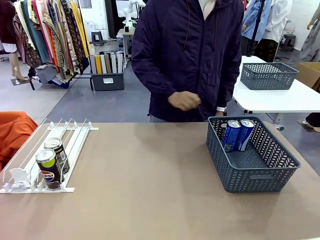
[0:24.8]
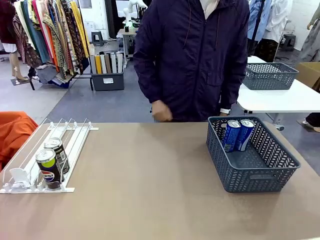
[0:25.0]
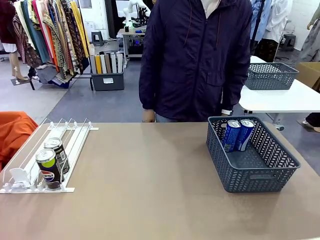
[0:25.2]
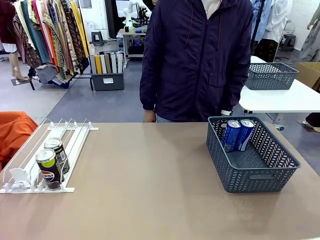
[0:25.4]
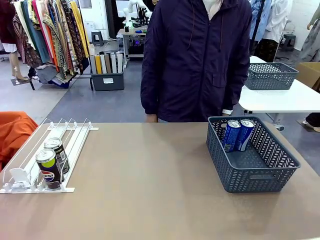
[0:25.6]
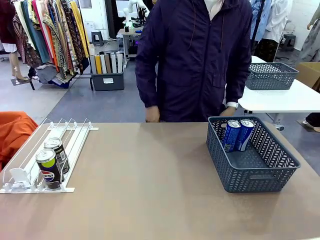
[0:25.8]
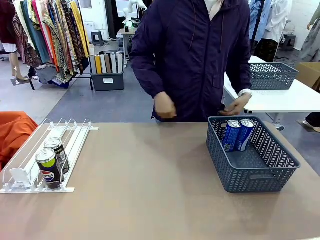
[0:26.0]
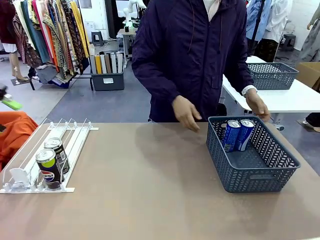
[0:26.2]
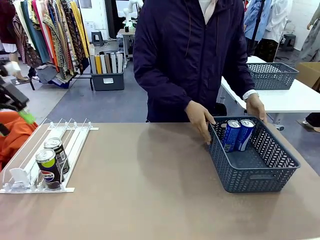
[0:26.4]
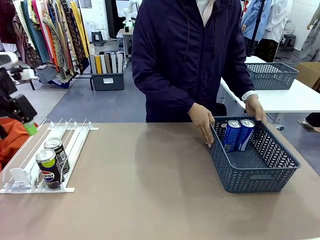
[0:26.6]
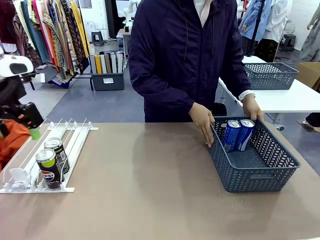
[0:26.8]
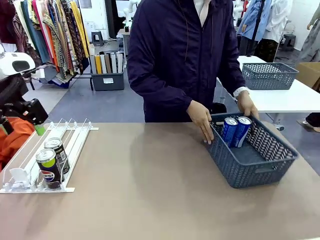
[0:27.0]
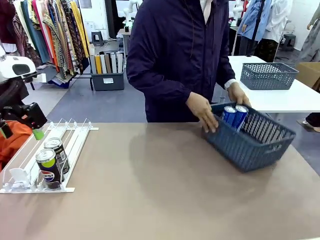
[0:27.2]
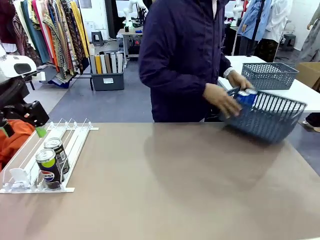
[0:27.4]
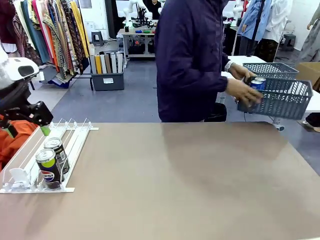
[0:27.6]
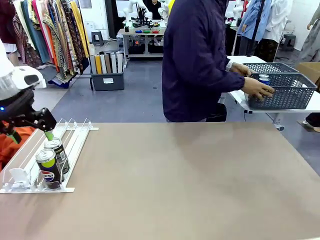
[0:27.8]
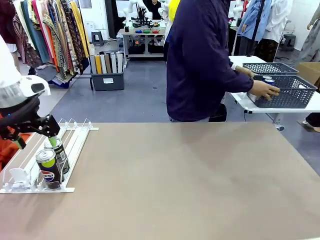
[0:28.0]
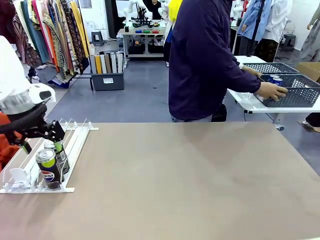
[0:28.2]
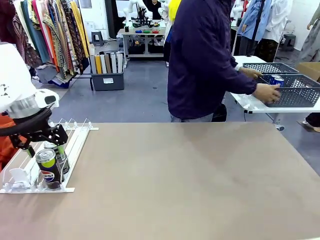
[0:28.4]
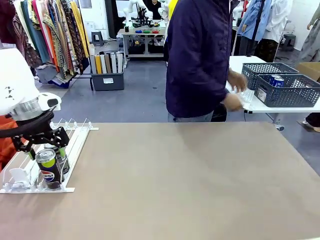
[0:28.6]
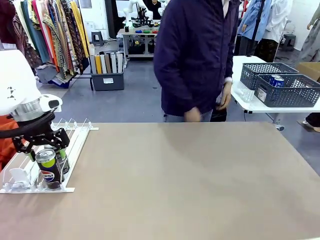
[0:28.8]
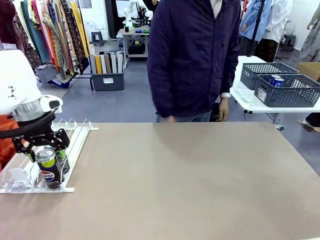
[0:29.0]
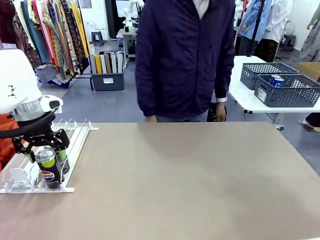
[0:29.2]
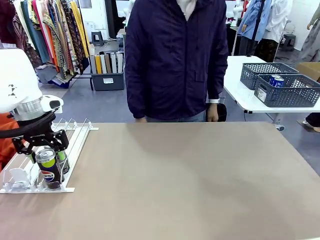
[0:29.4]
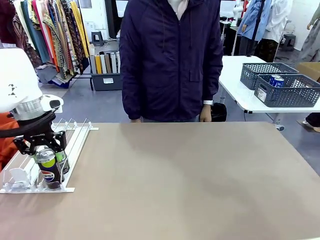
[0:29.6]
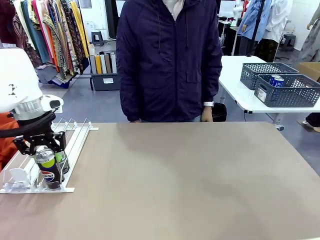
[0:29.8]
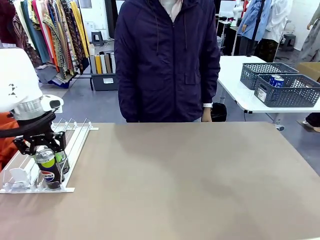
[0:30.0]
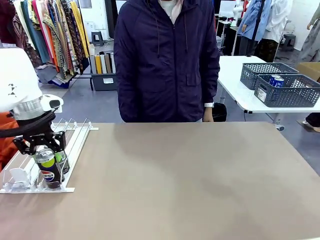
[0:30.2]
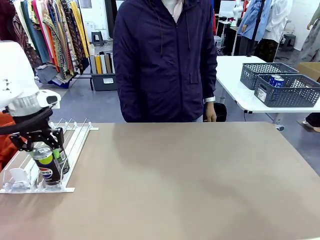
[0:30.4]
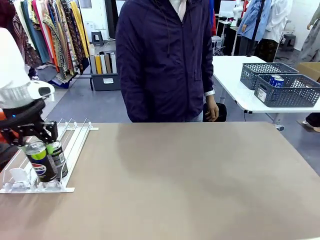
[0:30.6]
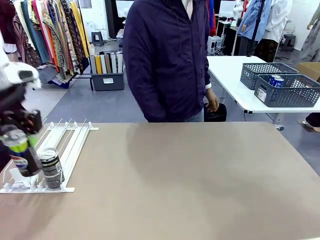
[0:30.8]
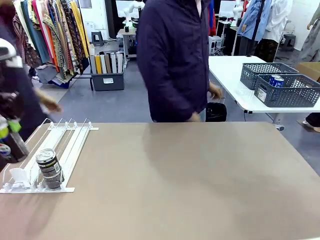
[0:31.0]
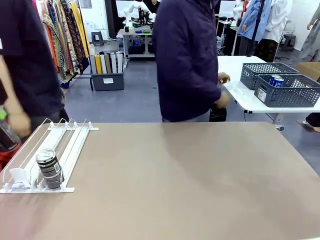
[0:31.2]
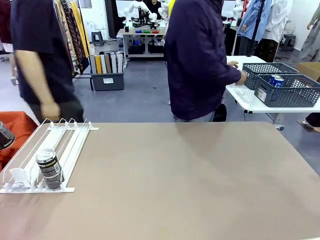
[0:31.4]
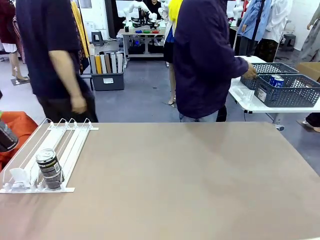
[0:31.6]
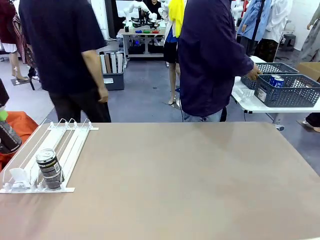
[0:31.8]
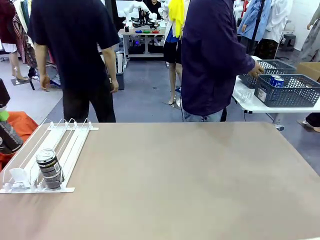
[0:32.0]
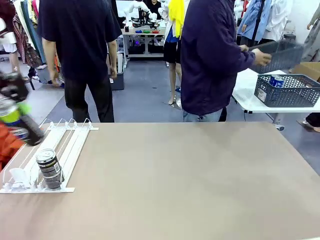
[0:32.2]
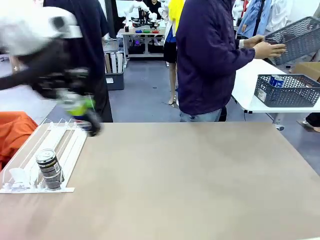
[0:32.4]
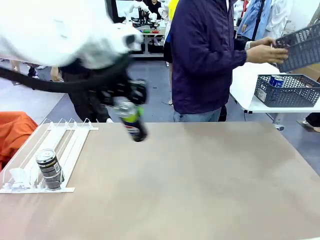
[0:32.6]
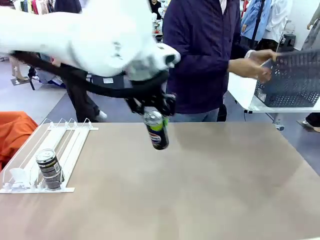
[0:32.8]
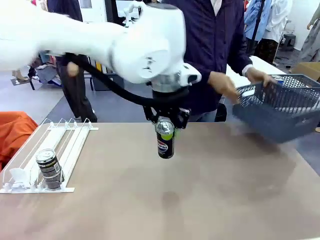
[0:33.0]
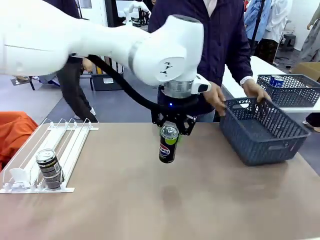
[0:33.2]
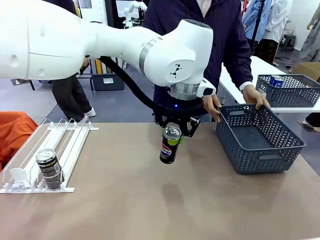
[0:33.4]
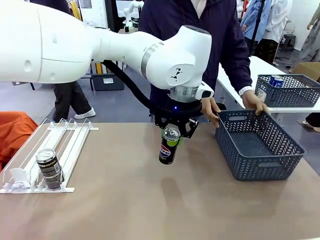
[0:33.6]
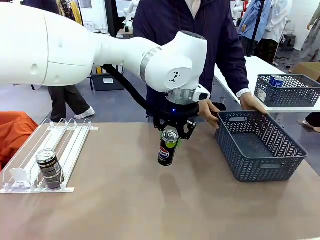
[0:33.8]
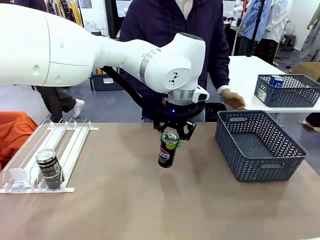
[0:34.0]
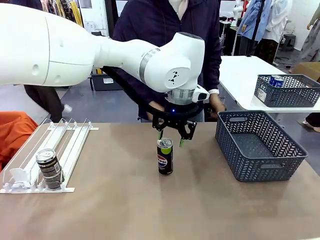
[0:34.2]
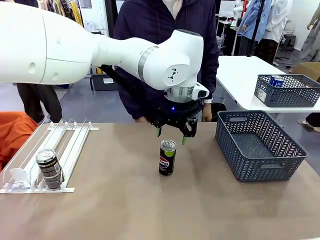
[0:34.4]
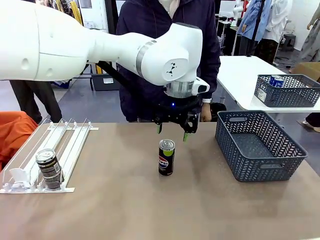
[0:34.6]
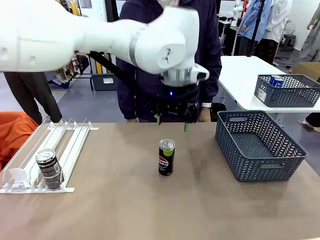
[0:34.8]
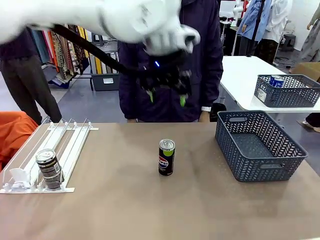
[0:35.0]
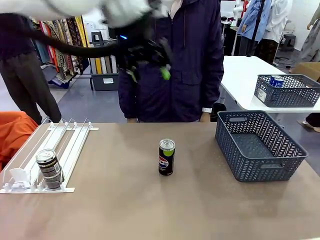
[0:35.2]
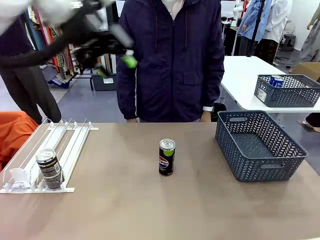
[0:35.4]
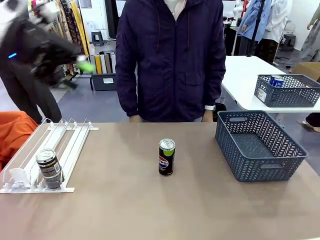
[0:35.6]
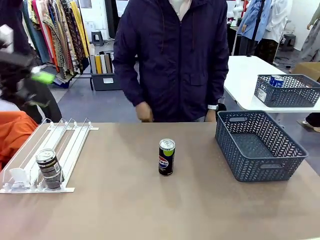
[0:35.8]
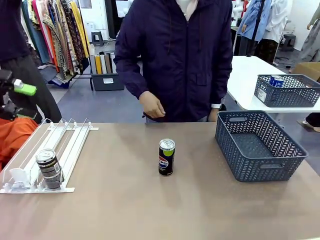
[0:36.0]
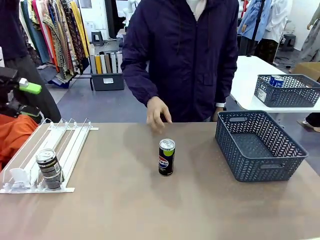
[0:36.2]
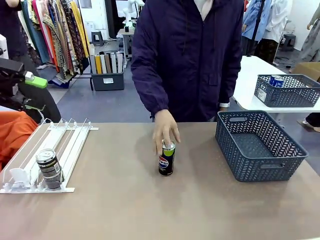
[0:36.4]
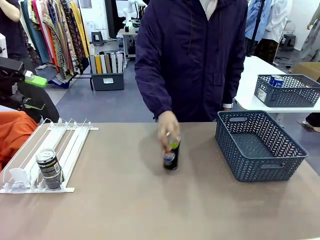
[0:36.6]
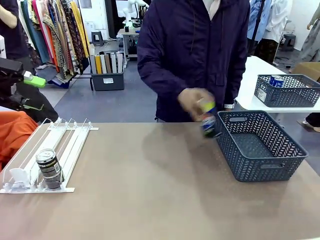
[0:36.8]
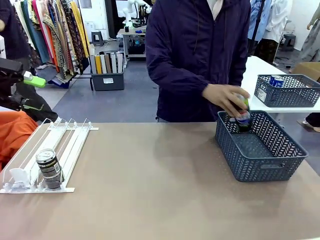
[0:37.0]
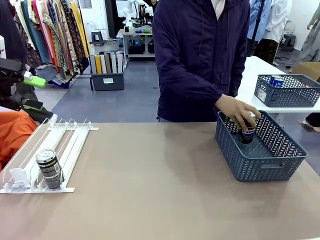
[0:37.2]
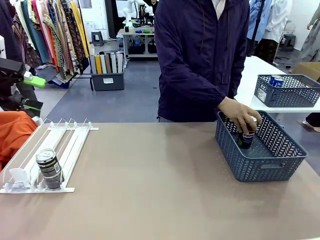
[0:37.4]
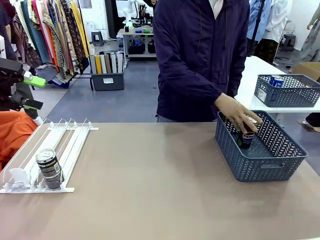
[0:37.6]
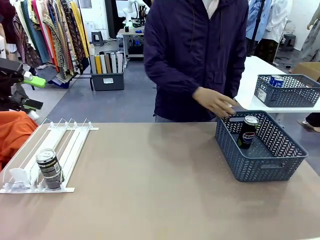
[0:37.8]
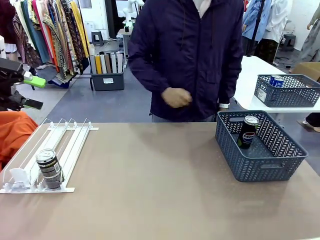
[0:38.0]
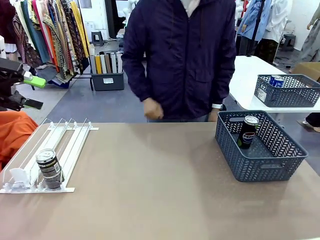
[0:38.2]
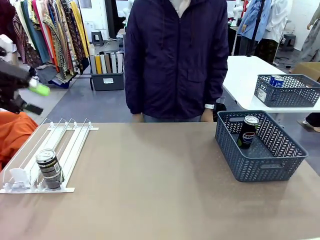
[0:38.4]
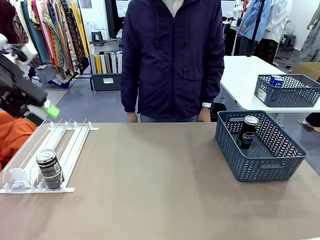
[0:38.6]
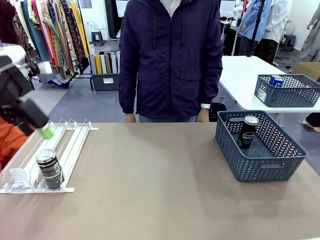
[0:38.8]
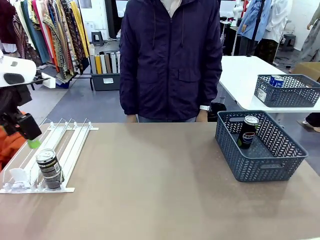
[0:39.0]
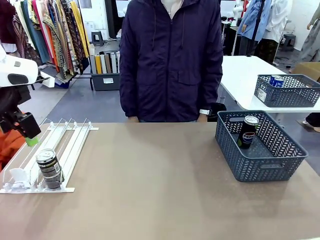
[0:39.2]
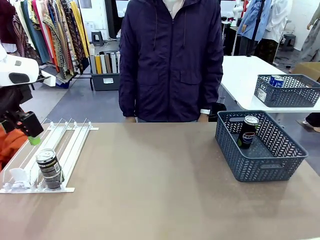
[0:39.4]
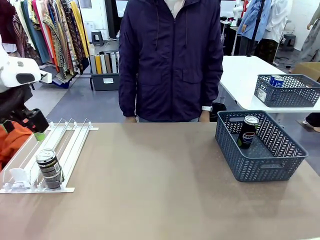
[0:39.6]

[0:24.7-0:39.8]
Task: Retrieve and store the cans from the dispenser.
Robot: Pick up one can from the Automatic Can Dispenser and place it in the middle of the table.
Person: Pick up the basket and place it in the middle of the human table. Pick up the empty basket and place it on the left side of the robot table.

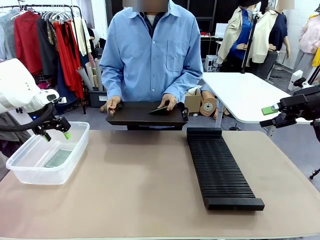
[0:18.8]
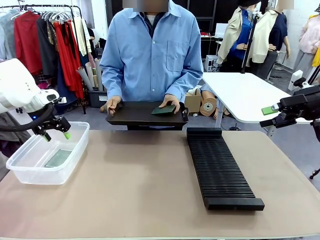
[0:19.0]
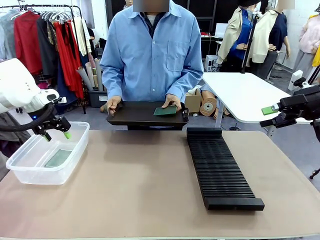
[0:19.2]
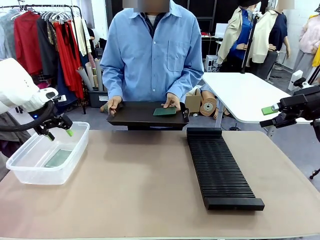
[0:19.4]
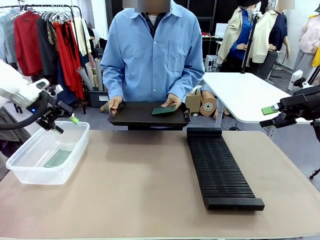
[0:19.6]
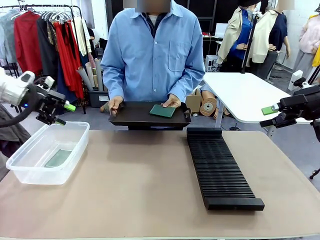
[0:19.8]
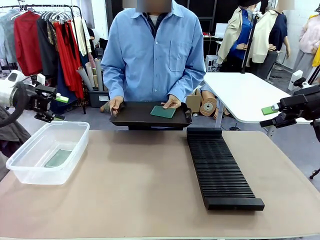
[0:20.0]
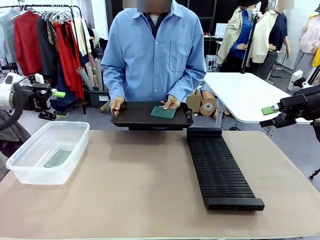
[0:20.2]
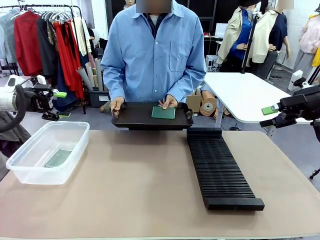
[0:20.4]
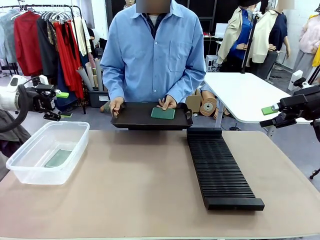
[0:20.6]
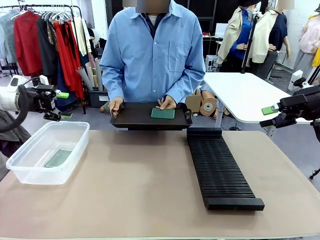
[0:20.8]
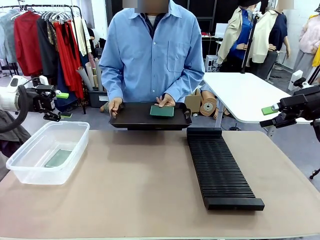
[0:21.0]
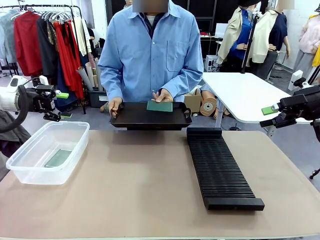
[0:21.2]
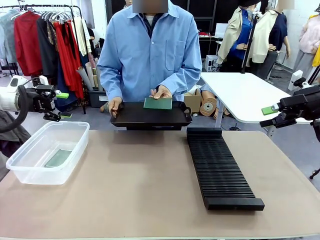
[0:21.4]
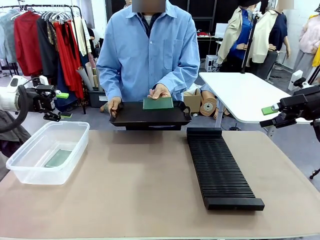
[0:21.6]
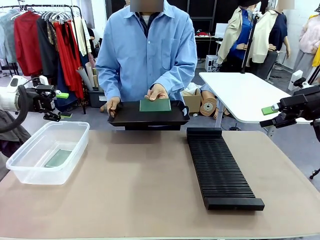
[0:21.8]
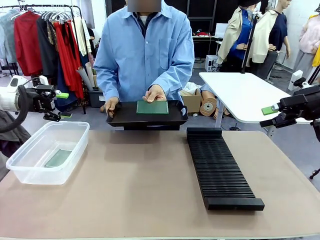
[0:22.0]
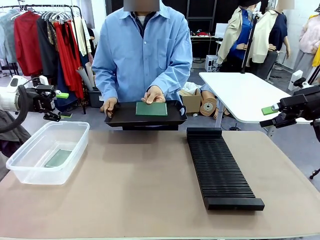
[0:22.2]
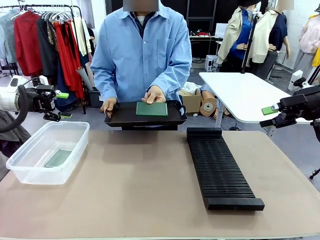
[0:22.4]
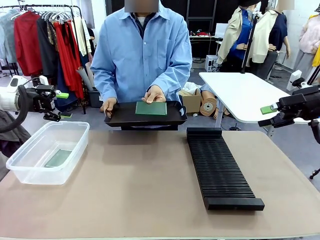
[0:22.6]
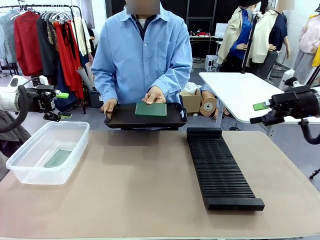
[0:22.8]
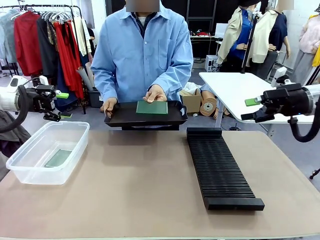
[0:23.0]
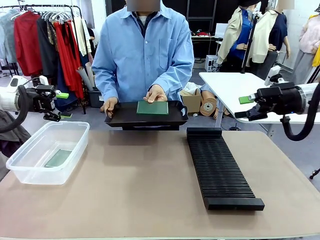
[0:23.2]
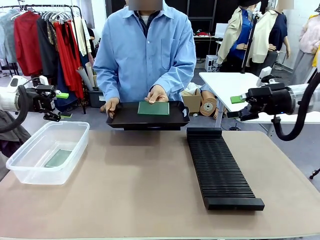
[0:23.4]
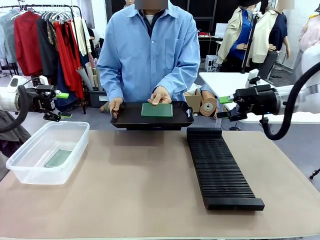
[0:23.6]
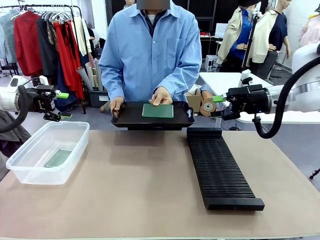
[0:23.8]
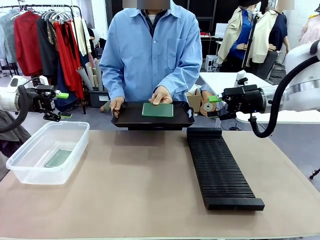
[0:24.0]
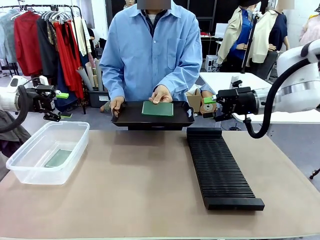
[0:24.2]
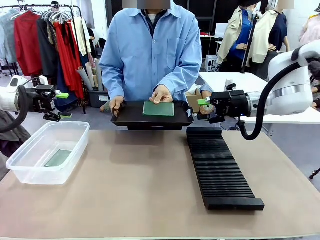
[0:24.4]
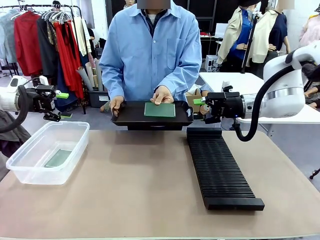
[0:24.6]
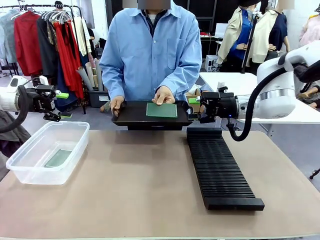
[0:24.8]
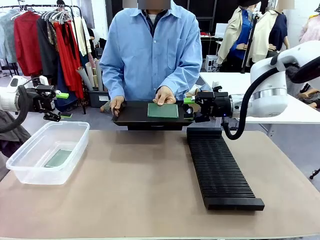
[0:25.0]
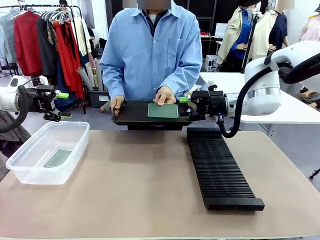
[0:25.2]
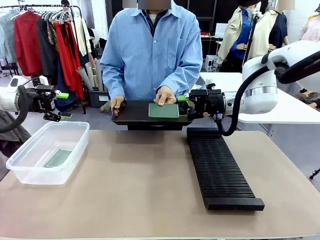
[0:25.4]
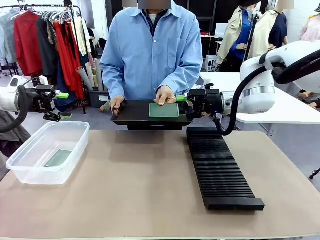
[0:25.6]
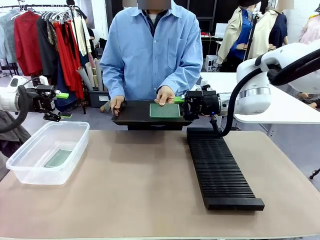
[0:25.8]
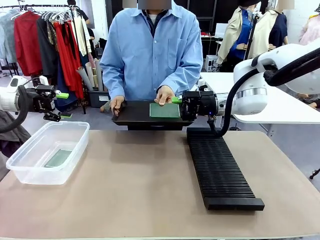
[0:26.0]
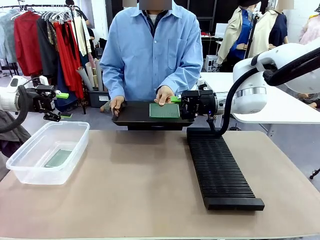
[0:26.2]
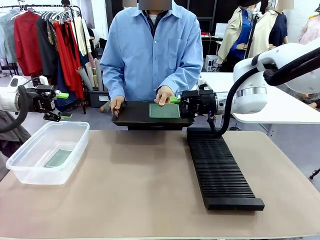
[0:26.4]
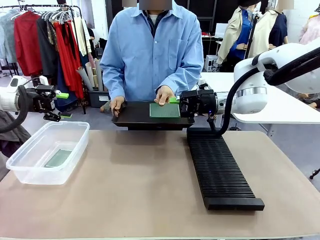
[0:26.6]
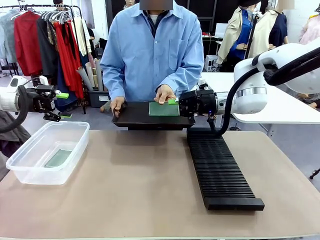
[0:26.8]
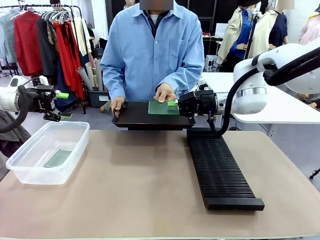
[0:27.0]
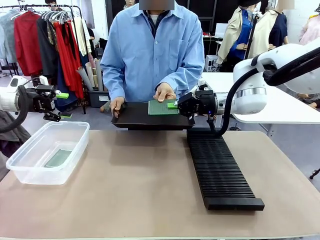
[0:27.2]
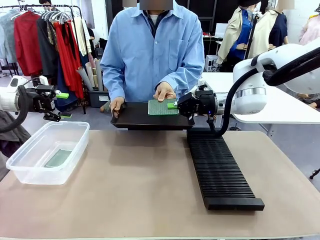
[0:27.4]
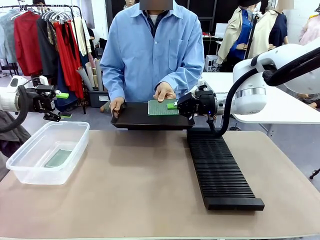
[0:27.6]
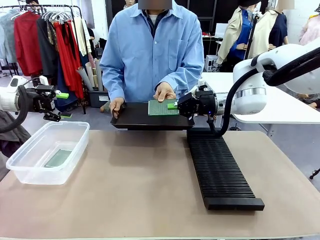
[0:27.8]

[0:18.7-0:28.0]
Task: Sort PCBs into racks and boxes based on the side picked up.
Robot: Pick up the Blank PCB handed by the Human.
